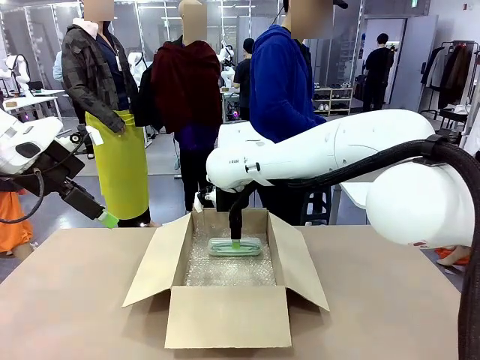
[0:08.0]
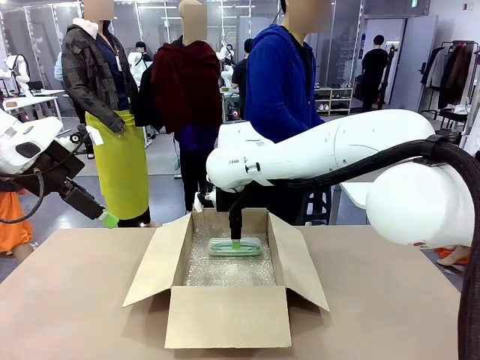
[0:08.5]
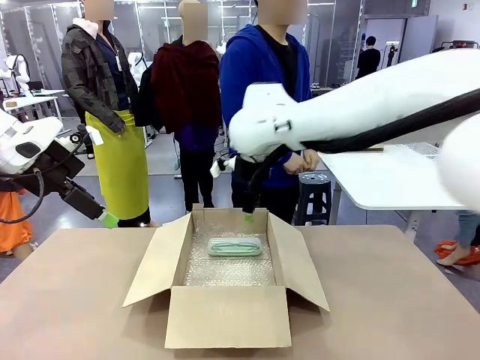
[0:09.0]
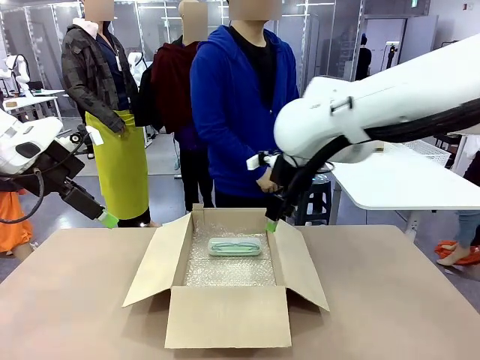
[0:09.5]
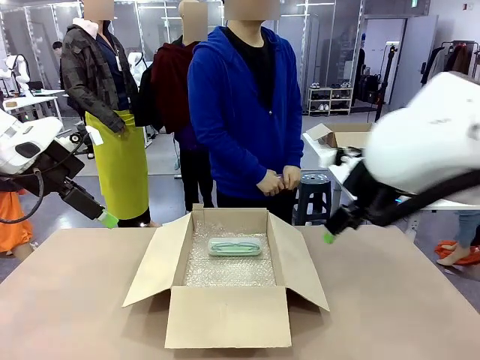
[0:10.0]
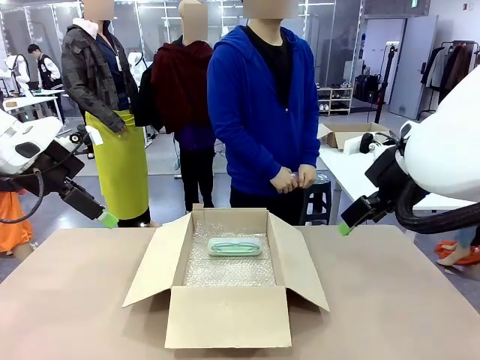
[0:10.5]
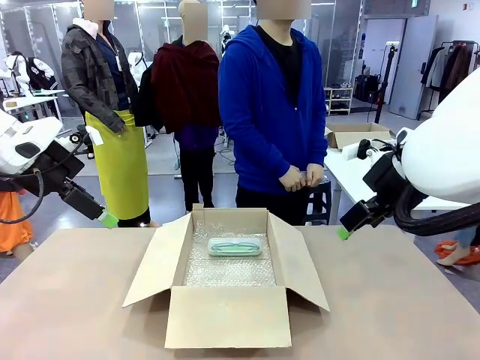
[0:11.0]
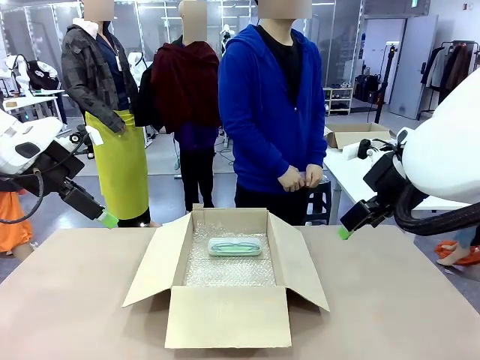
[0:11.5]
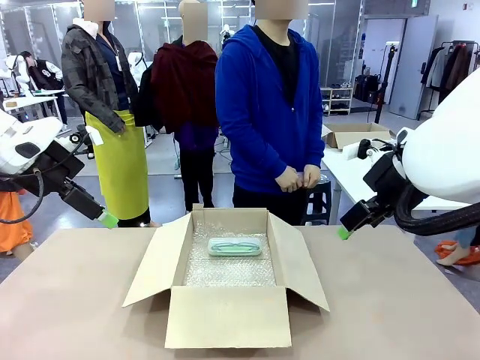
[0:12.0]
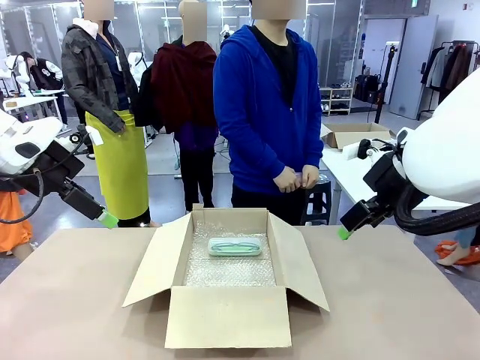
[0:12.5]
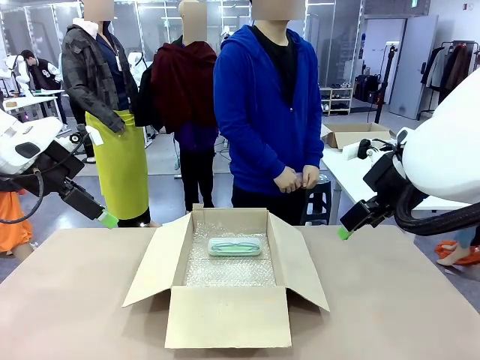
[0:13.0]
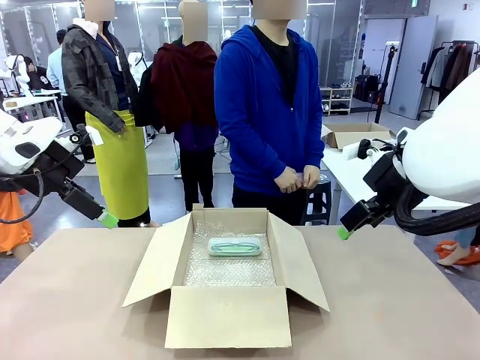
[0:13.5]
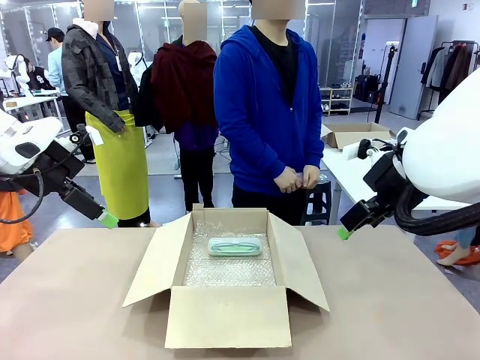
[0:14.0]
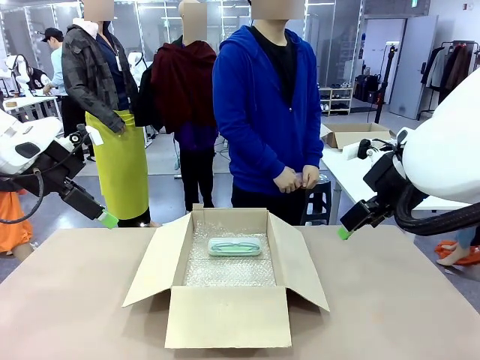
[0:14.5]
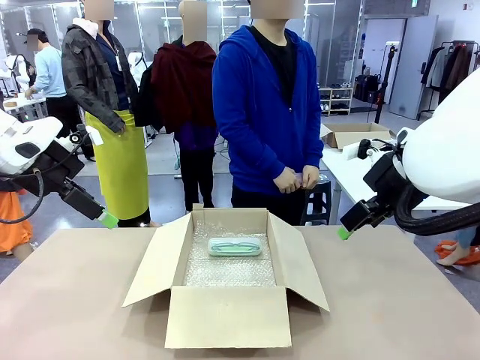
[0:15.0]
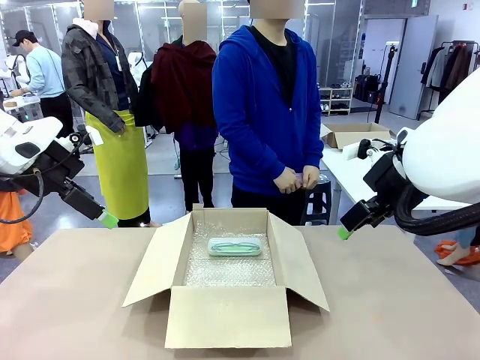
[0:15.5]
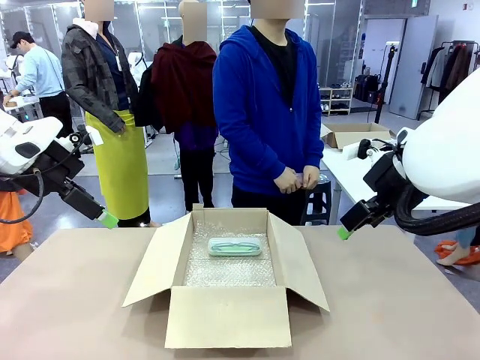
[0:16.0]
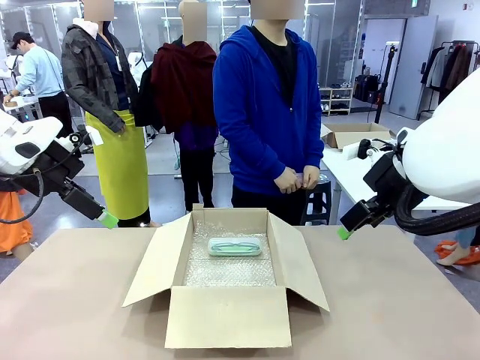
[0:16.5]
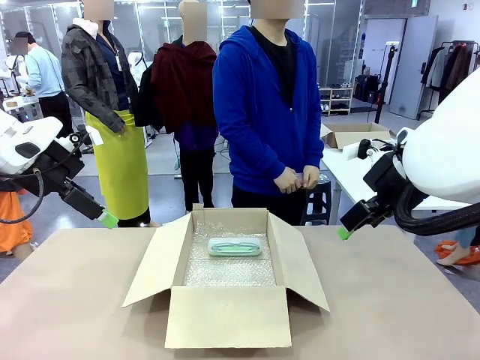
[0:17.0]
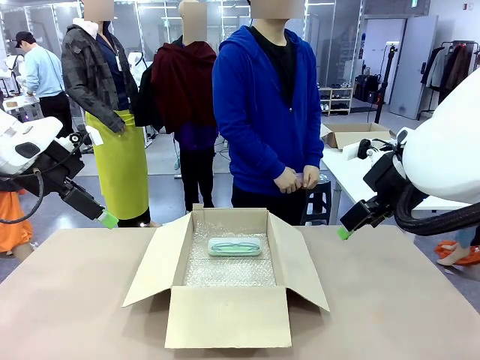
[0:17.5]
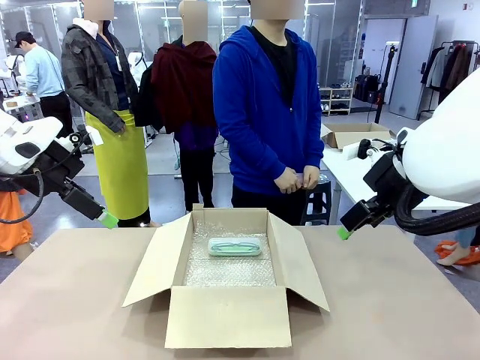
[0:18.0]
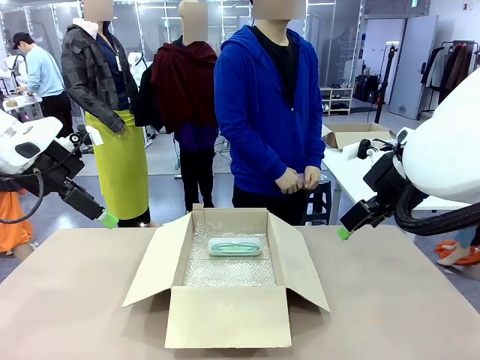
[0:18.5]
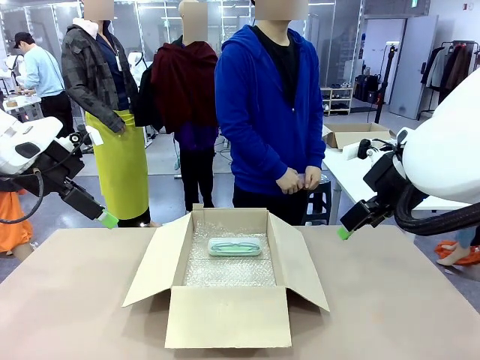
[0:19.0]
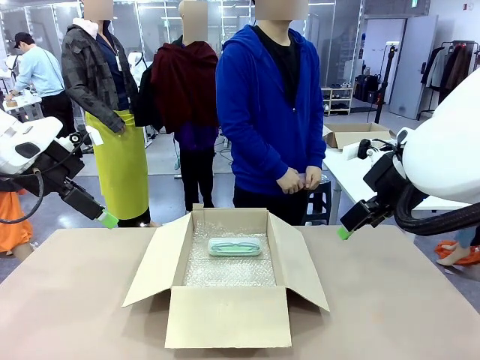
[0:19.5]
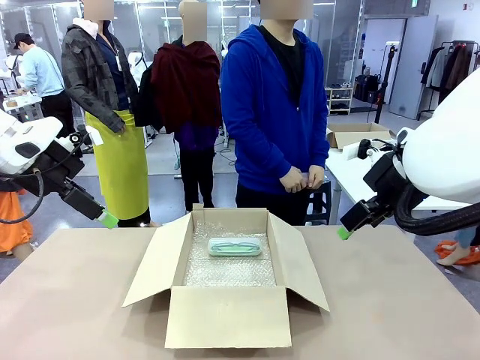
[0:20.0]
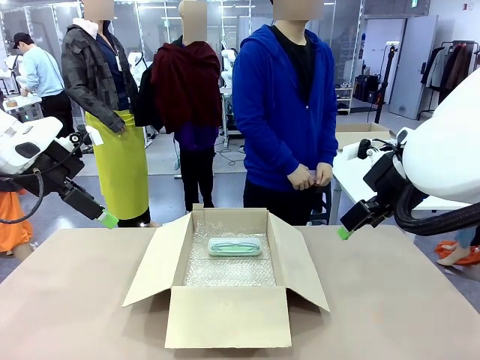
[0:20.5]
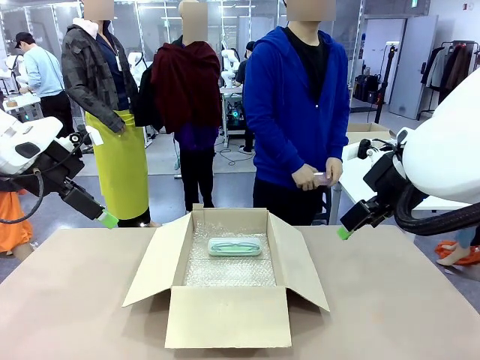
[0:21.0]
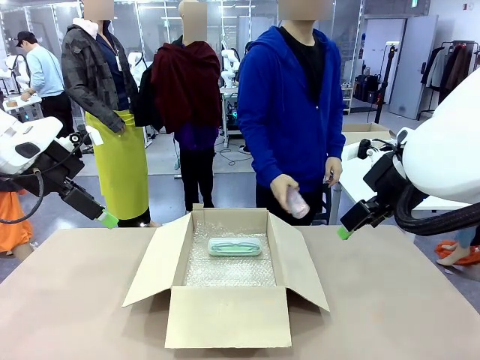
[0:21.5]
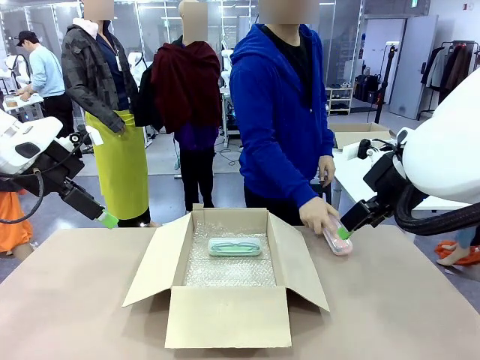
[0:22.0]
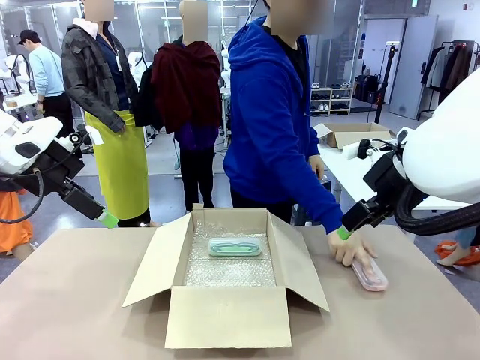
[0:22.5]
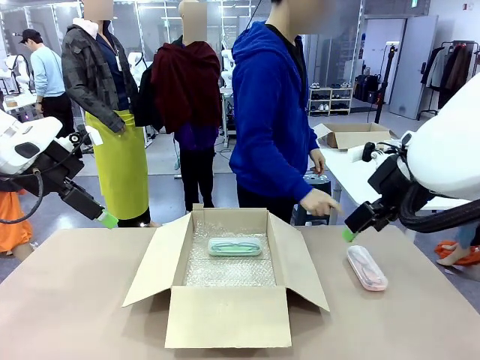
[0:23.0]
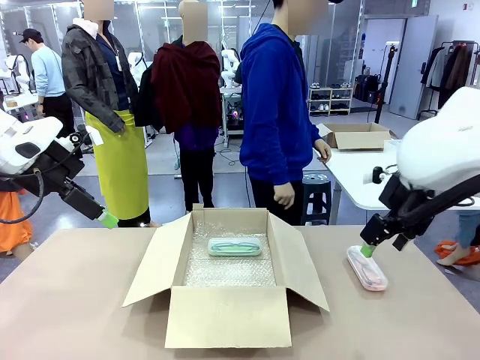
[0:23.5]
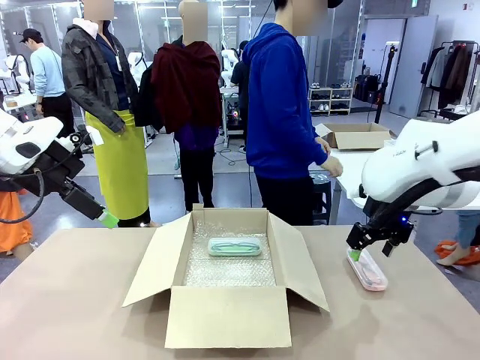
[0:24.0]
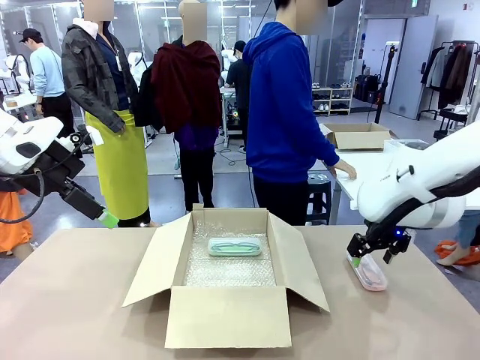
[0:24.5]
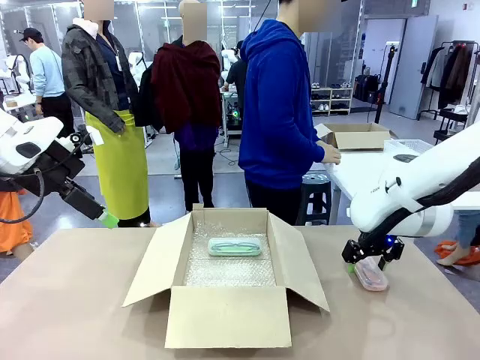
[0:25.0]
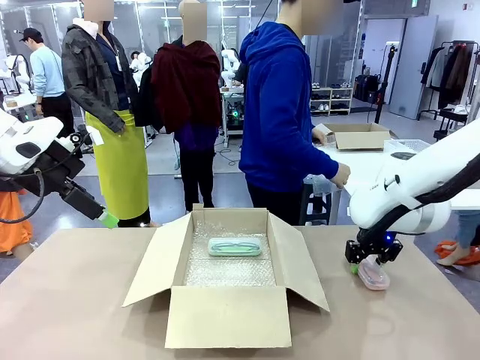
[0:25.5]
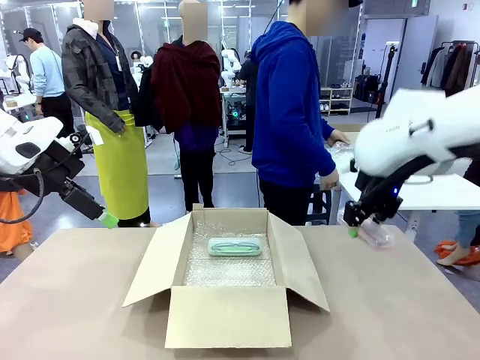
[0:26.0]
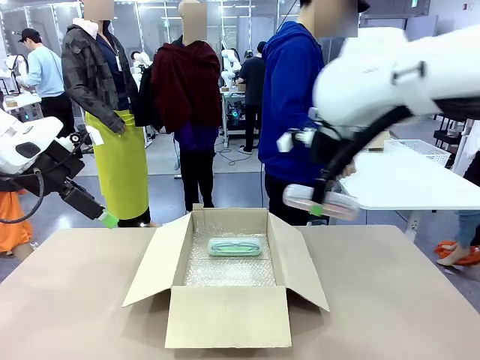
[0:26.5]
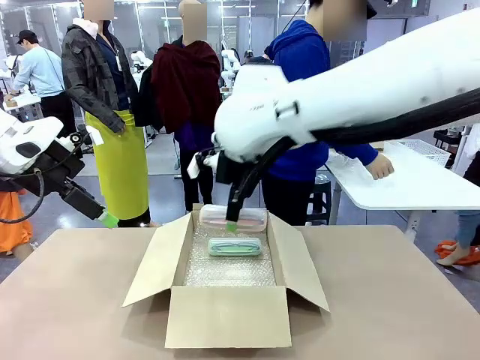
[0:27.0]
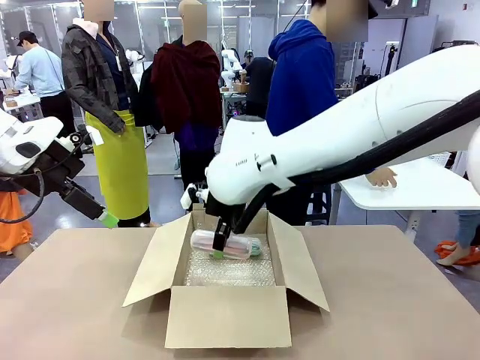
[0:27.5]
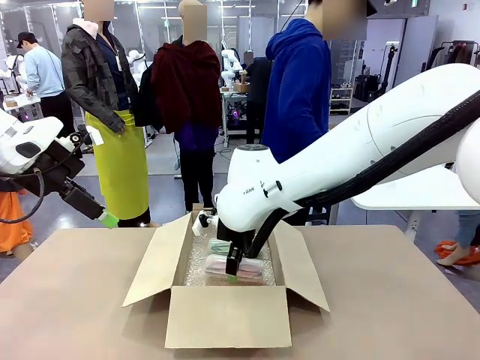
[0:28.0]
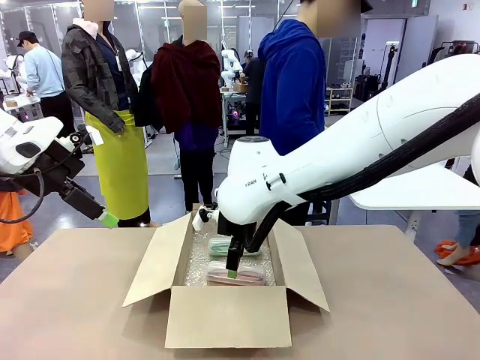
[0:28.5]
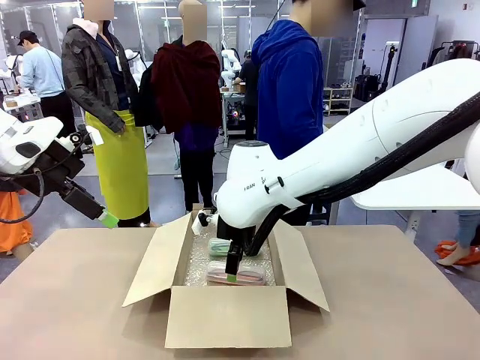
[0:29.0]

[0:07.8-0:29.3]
Task: Pack the glasses set securely to prepare it for shipping.
Robot: Put the Glasses case from the right side of the table into the Package Box.
Person: Position the Glasses case on the left side of the robot's table.
